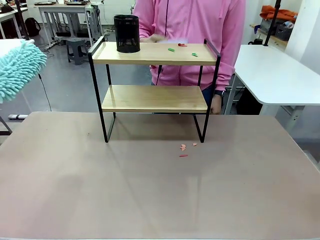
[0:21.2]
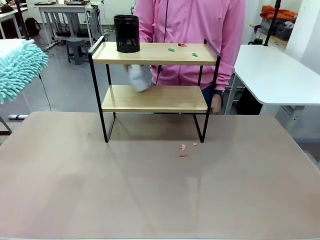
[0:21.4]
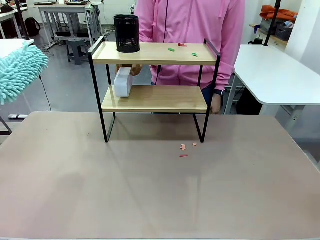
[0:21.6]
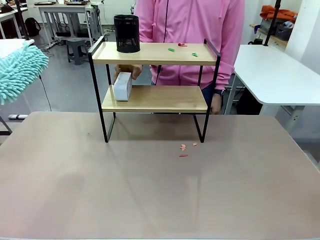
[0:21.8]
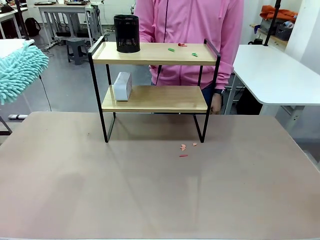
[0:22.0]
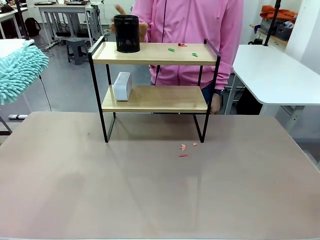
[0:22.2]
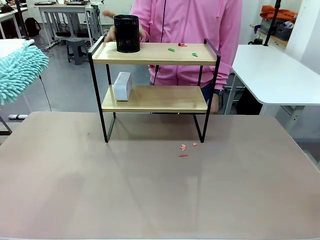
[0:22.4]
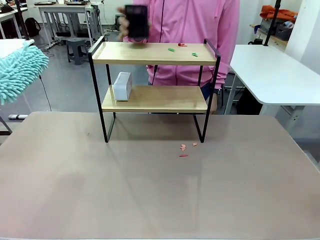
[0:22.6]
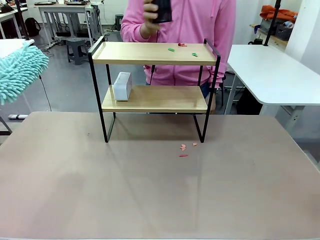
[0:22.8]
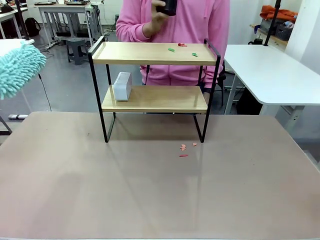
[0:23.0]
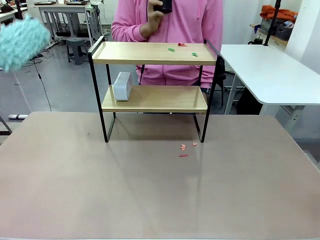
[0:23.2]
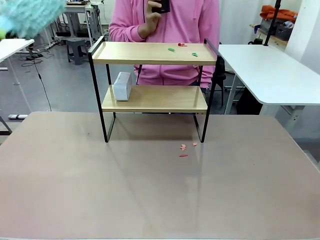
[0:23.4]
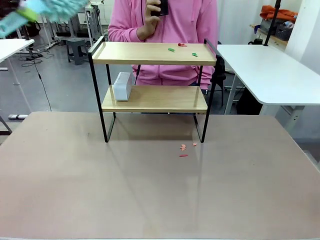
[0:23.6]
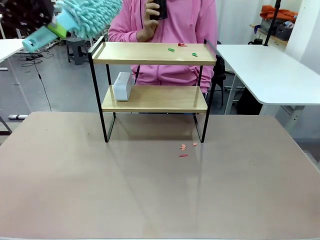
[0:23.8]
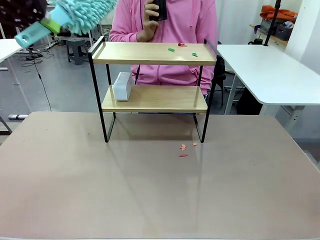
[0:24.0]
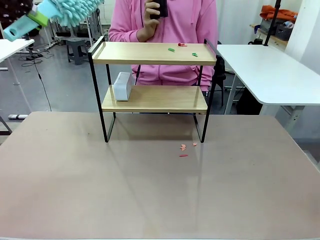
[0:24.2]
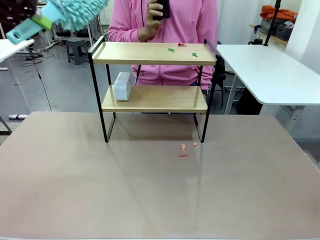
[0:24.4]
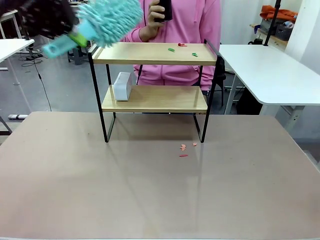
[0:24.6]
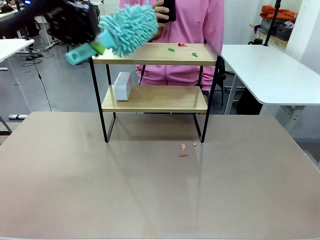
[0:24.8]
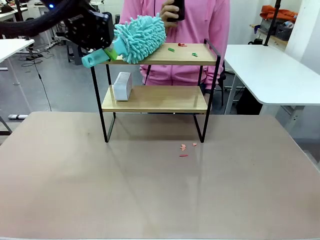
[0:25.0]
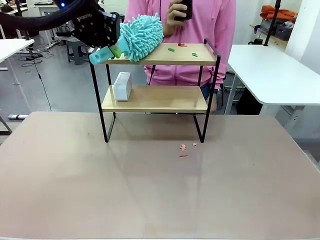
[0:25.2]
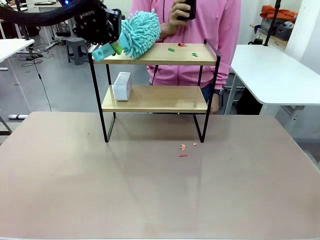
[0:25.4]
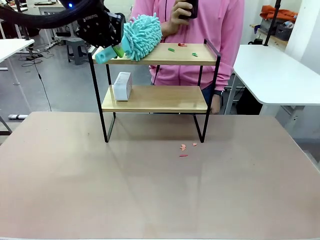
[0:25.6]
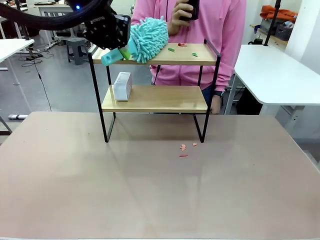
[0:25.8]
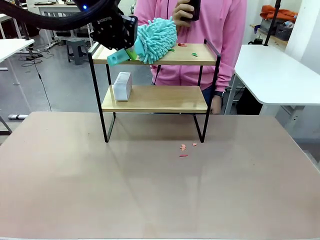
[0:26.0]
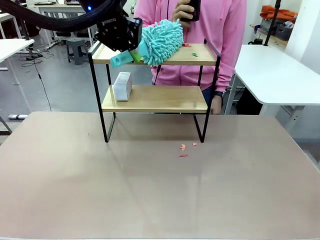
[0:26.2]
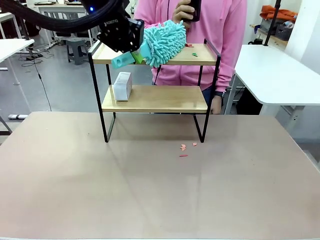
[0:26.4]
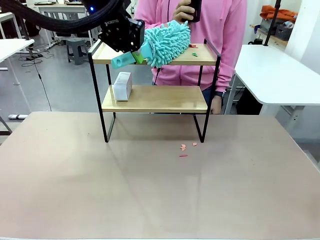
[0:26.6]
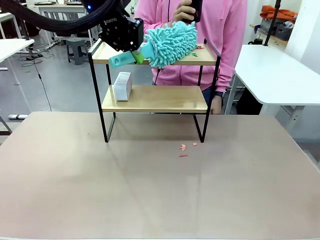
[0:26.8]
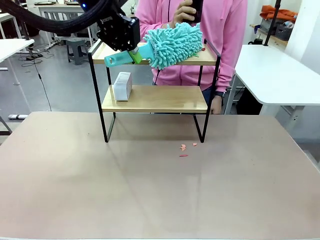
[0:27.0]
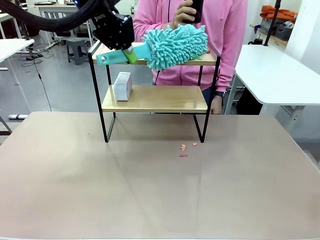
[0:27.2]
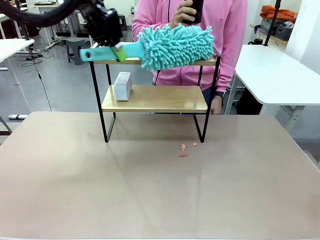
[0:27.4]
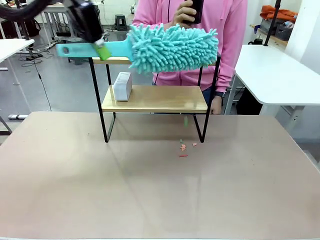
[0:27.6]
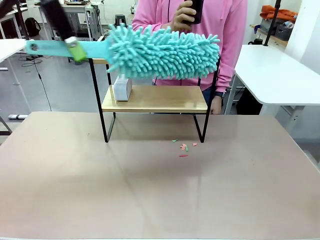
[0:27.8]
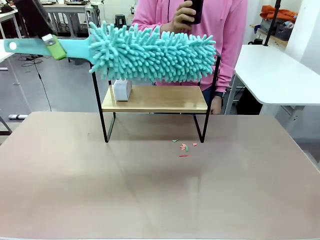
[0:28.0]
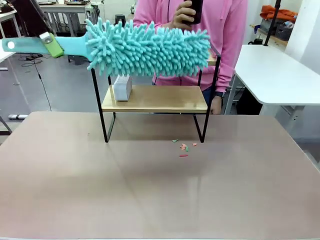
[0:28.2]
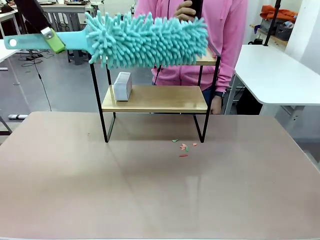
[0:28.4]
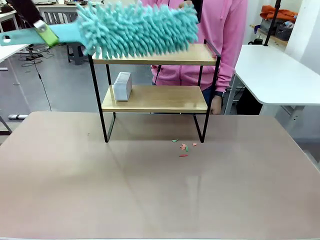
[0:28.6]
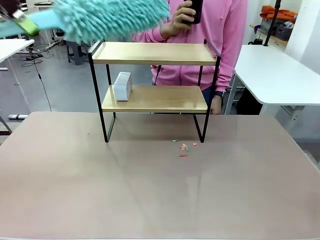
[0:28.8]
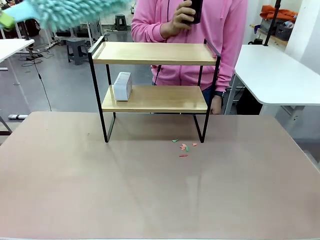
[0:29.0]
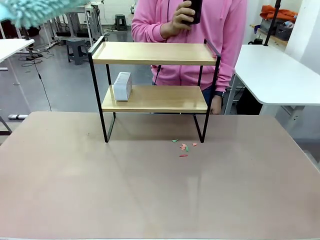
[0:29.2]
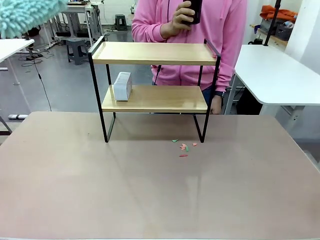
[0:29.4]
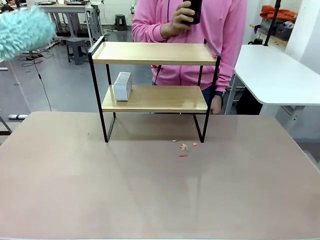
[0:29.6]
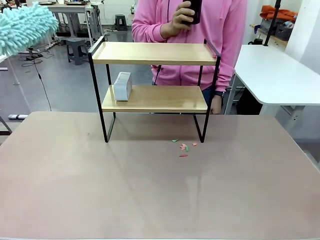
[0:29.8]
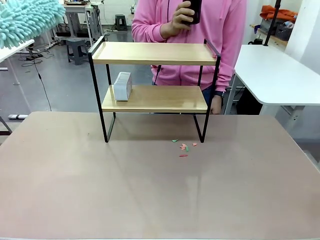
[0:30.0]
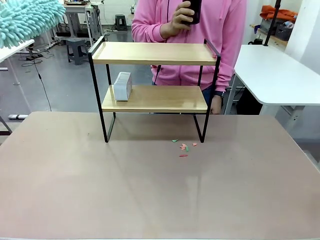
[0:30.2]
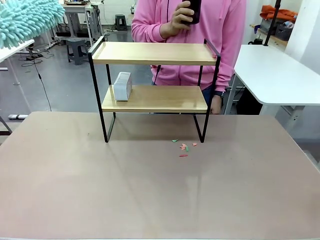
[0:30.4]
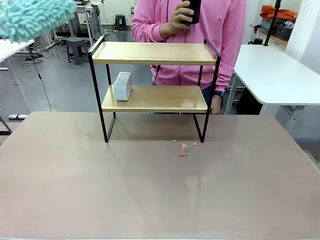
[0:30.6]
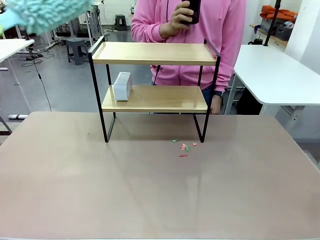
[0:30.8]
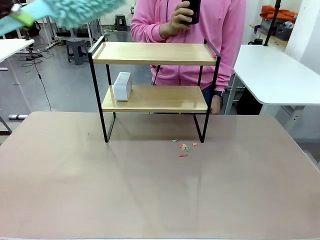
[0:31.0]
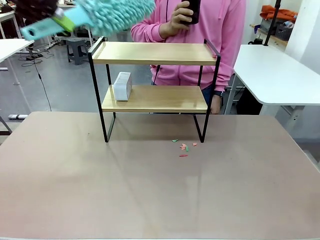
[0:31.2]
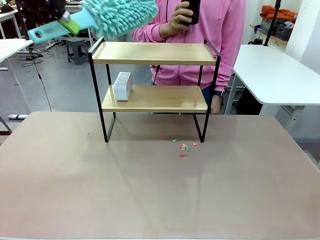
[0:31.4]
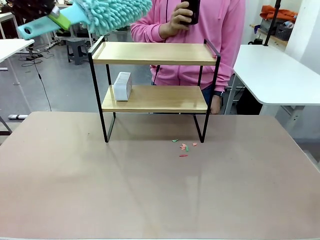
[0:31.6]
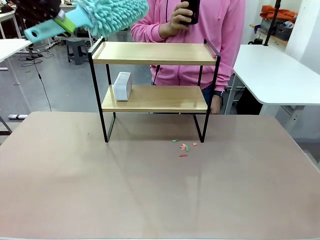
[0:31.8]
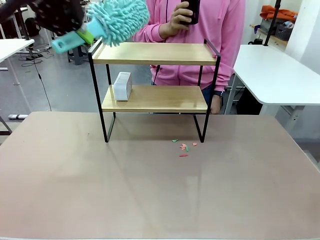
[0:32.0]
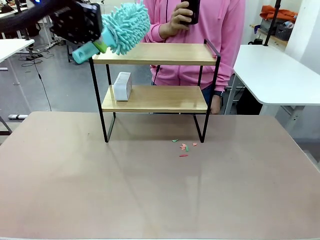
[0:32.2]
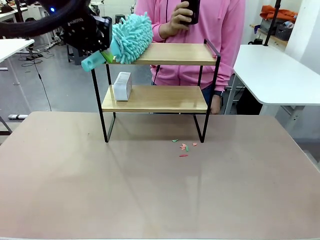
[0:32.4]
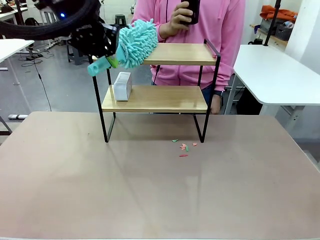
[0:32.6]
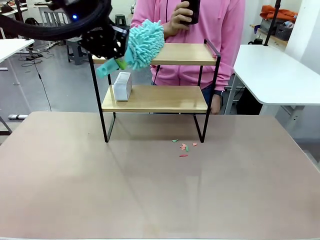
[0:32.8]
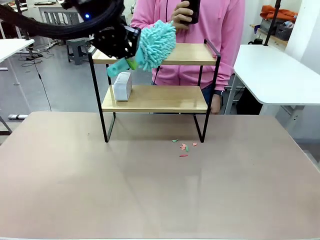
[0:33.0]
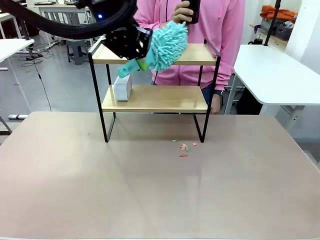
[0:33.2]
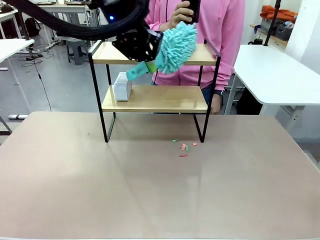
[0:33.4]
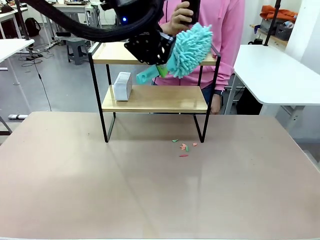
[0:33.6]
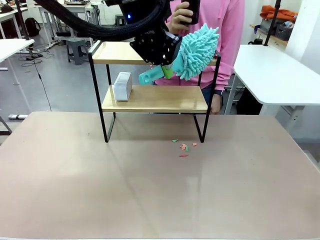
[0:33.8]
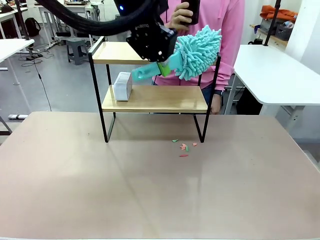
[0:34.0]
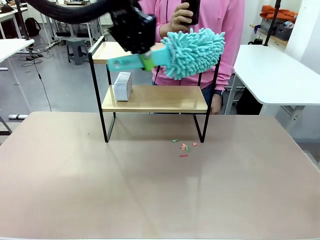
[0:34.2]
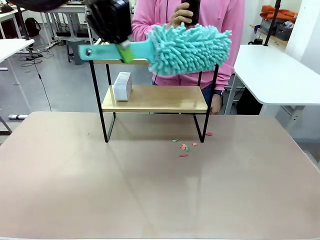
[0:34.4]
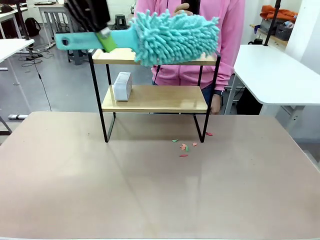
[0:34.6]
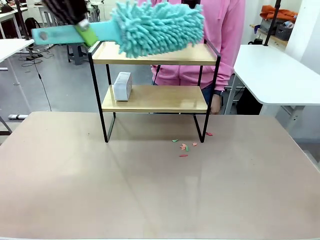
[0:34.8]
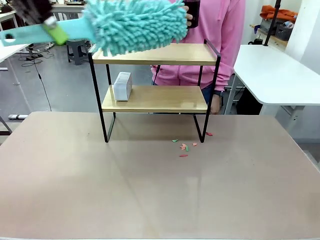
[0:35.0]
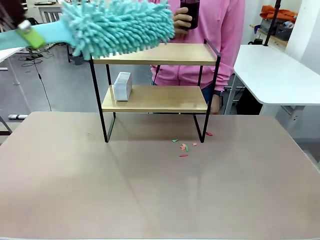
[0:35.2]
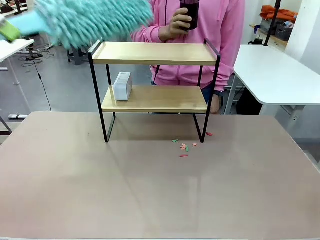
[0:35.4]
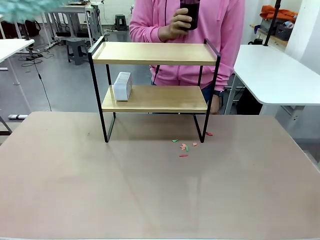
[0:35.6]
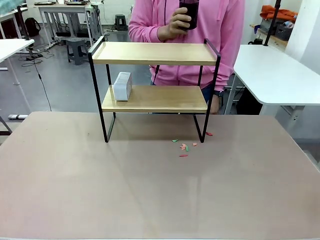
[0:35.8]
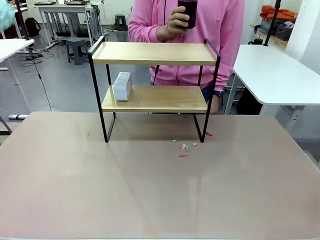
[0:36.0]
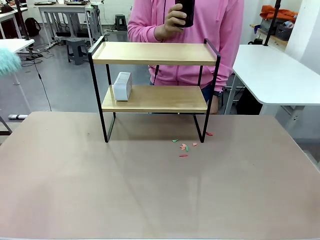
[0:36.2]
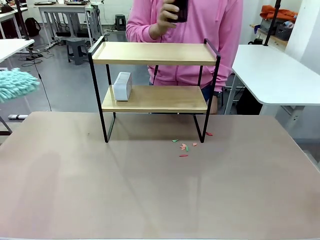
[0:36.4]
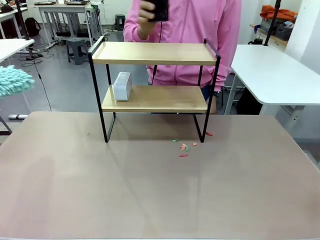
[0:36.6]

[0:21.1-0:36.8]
Task: Clean the shelf.
Robot: Clean the remaining tier of the Shelf with the Duster once objects are removed.
Person: Receive the Duster from the robot.

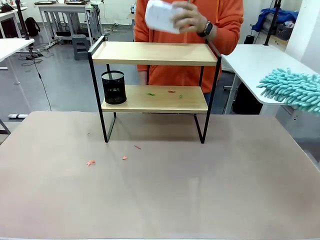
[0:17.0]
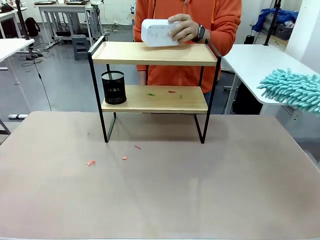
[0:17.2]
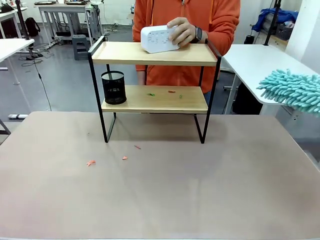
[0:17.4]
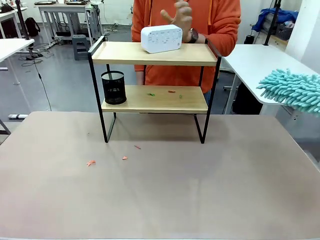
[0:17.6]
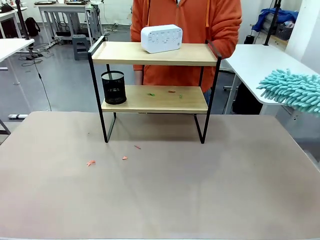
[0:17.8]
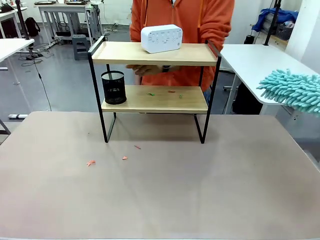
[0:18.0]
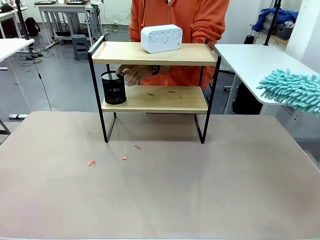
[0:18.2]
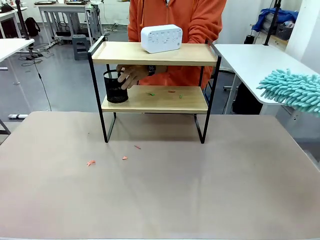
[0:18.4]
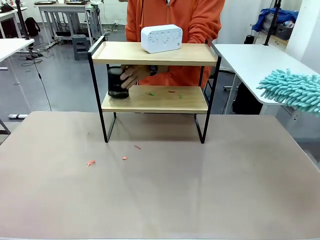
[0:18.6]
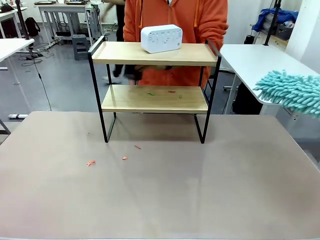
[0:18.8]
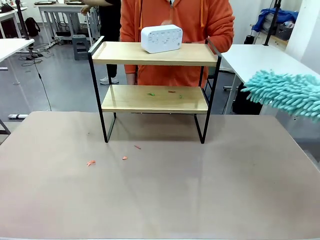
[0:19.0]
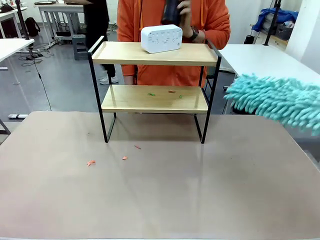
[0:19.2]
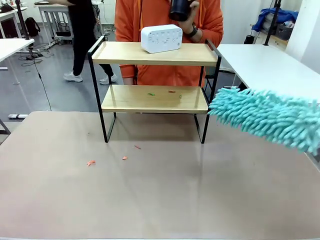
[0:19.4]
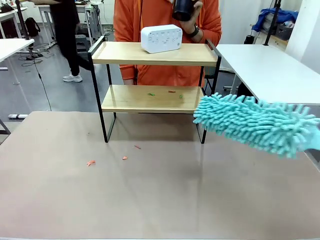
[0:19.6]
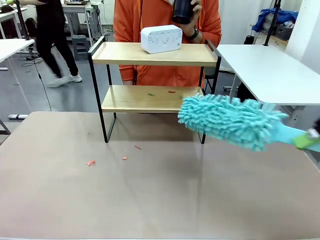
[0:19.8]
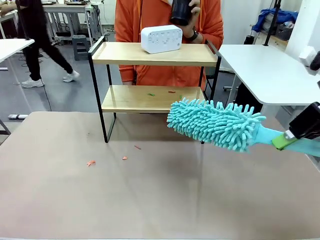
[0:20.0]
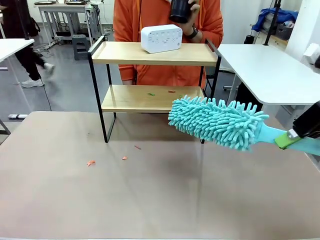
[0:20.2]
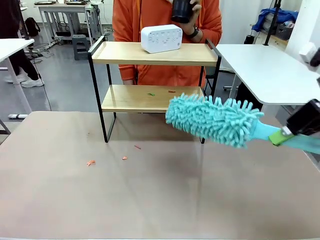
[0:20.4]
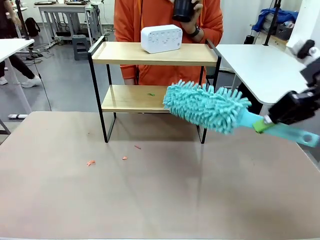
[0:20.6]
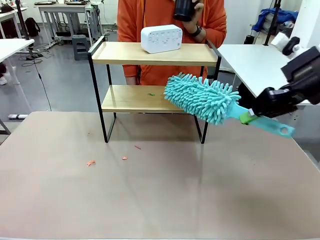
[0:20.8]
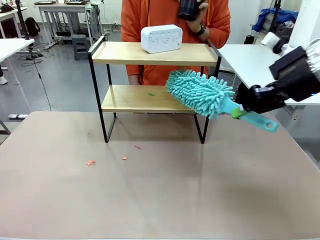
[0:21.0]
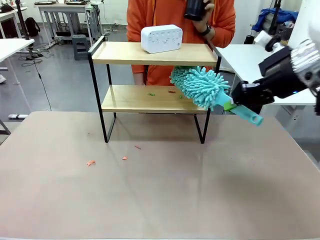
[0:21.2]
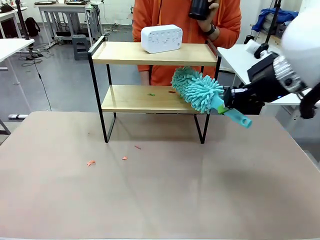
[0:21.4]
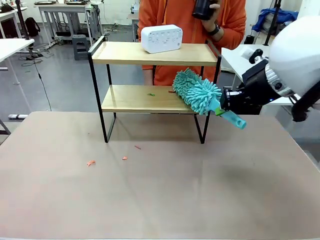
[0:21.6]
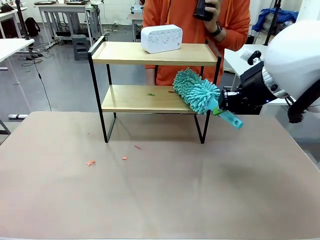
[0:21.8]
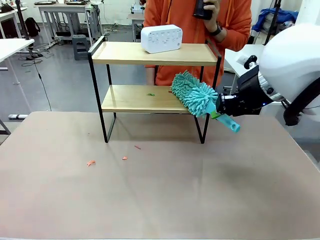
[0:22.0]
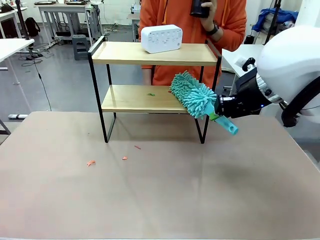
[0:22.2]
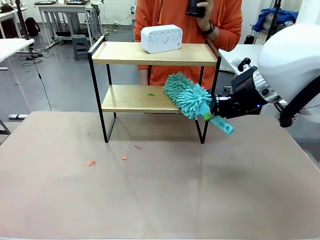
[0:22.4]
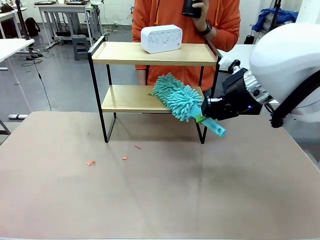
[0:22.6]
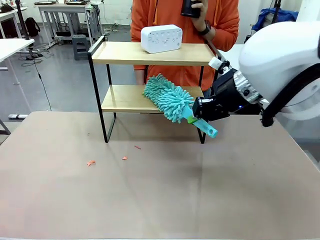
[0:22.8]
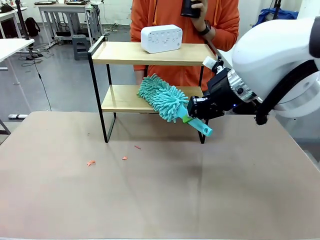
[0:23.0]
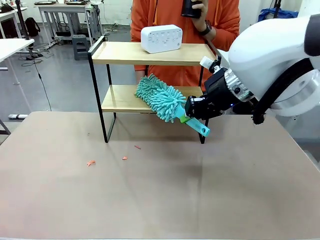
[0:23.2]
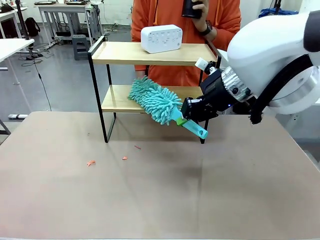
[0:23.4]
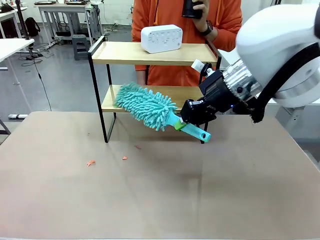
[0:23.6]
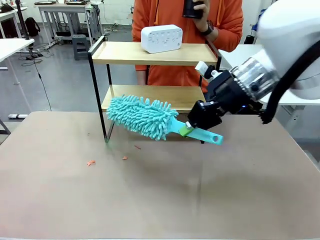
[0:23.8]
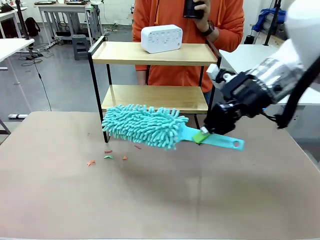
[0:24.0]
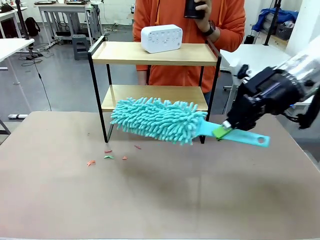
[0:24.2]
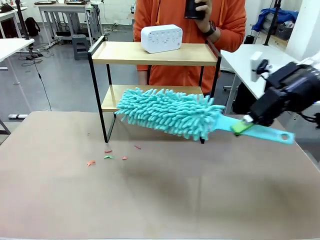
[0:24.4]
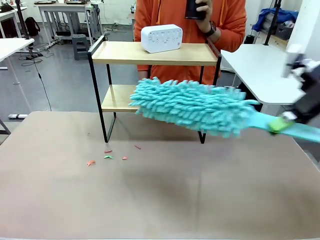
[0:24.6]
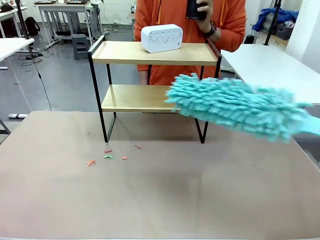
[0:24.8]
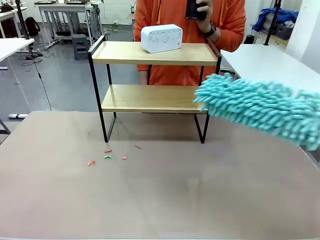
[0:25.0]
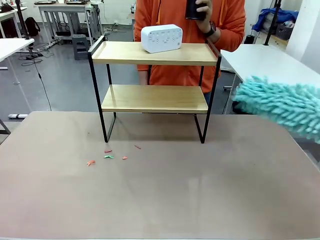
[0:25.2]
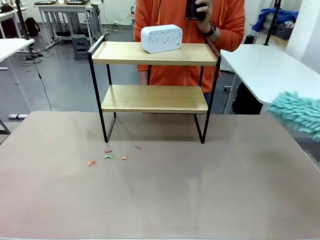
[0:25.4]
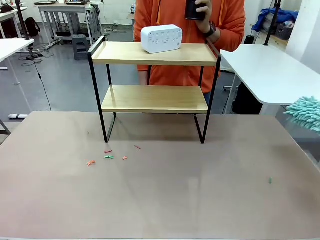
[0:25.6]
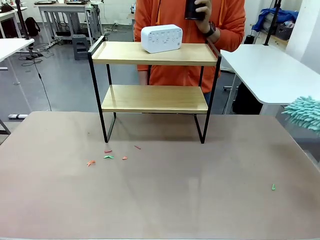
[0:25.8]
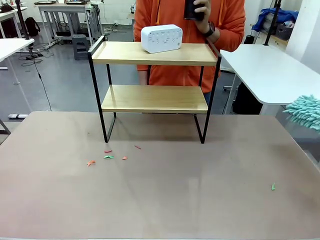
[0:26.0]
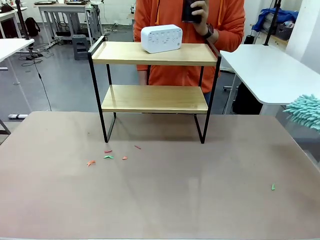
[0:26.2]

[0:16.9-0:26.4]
Task: Clean the shelf.
Robot: Clean the remaining tier of the Shelf with the Duster once objects are removed.
